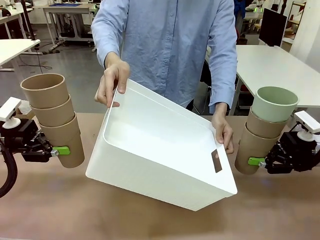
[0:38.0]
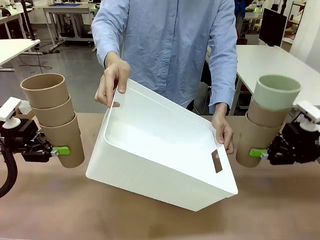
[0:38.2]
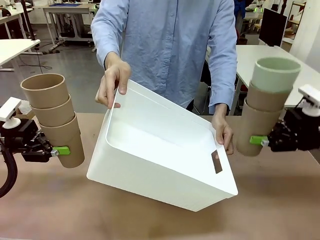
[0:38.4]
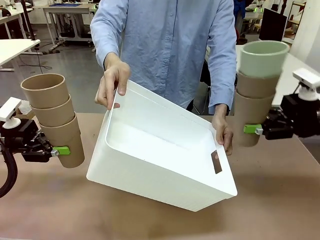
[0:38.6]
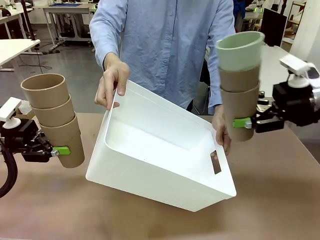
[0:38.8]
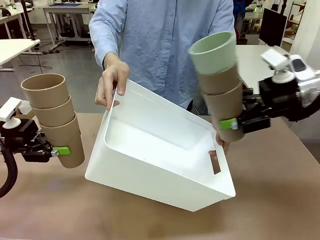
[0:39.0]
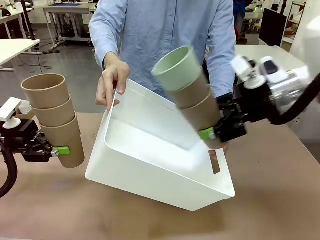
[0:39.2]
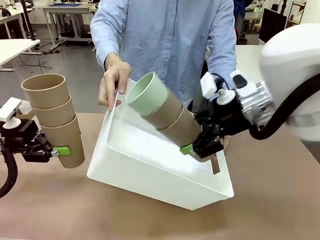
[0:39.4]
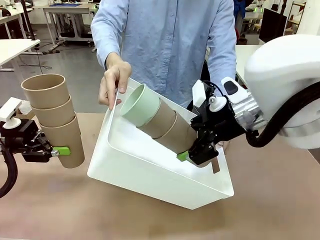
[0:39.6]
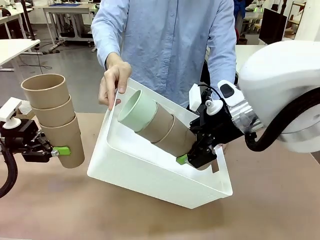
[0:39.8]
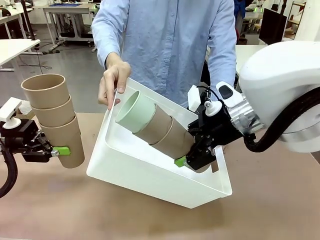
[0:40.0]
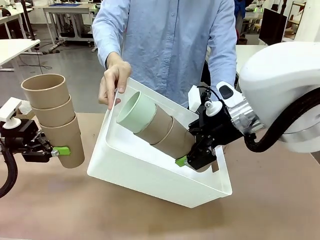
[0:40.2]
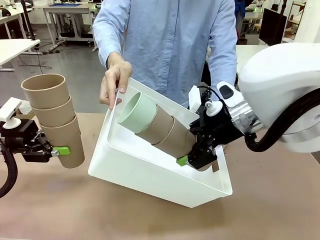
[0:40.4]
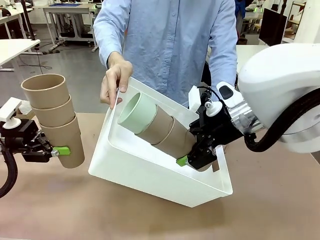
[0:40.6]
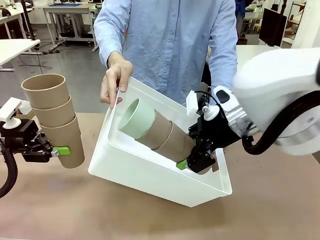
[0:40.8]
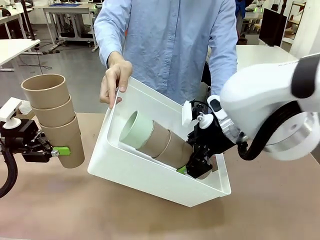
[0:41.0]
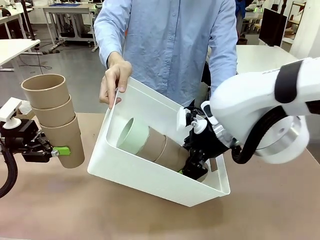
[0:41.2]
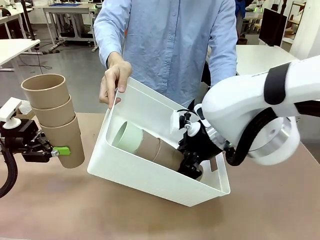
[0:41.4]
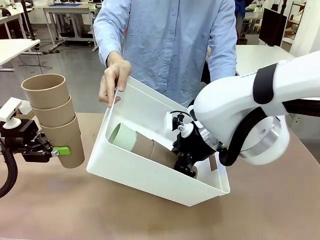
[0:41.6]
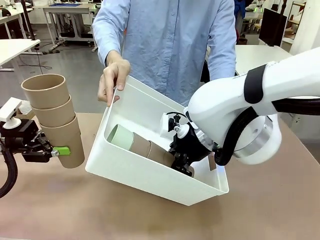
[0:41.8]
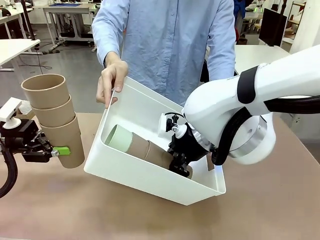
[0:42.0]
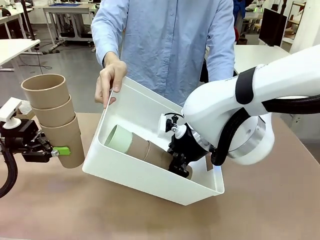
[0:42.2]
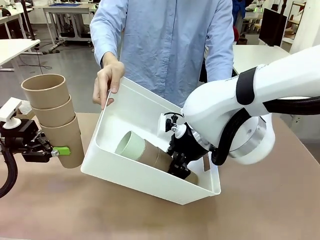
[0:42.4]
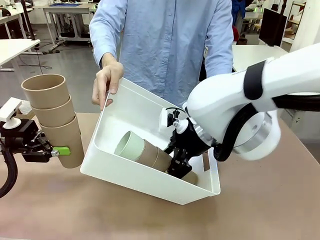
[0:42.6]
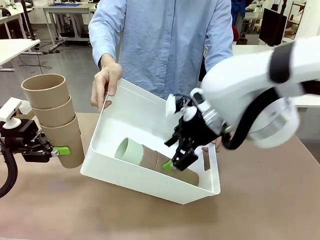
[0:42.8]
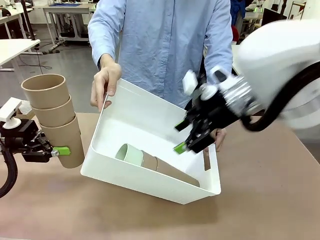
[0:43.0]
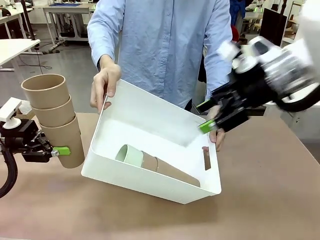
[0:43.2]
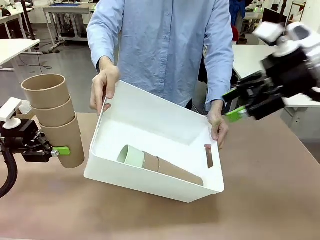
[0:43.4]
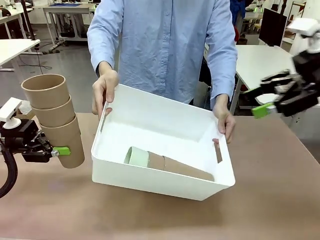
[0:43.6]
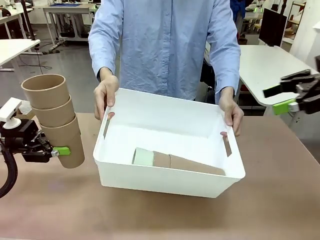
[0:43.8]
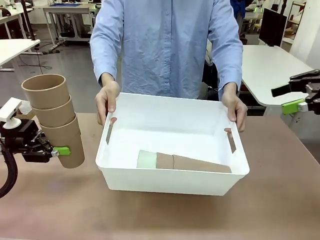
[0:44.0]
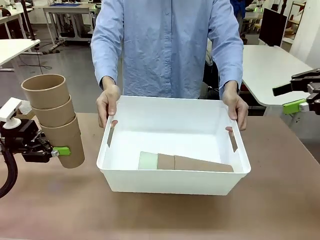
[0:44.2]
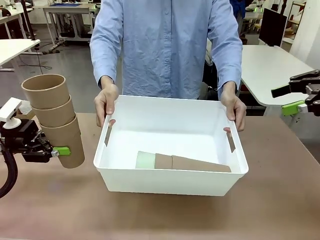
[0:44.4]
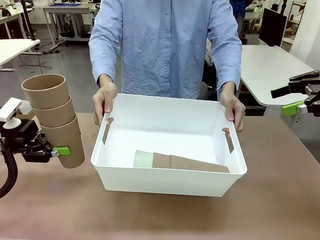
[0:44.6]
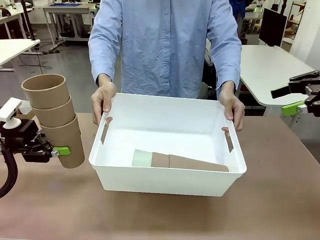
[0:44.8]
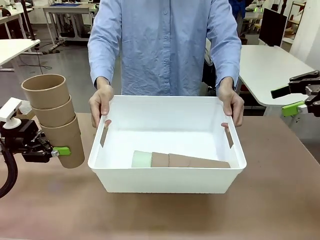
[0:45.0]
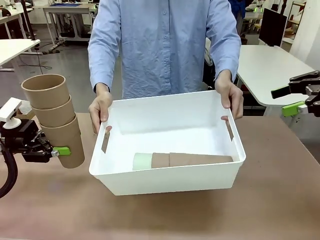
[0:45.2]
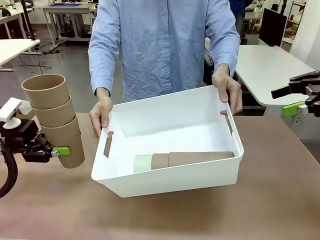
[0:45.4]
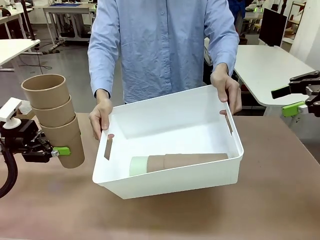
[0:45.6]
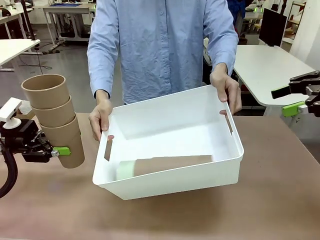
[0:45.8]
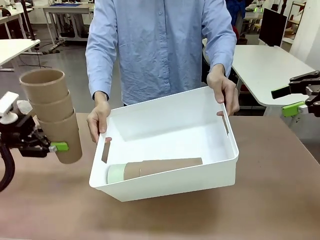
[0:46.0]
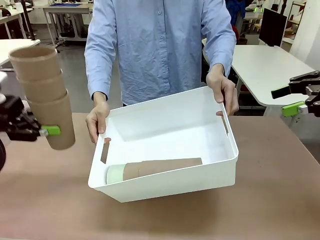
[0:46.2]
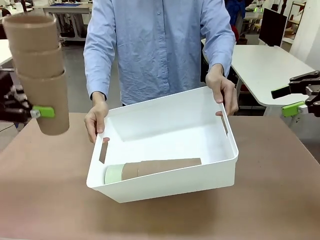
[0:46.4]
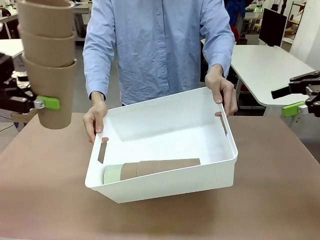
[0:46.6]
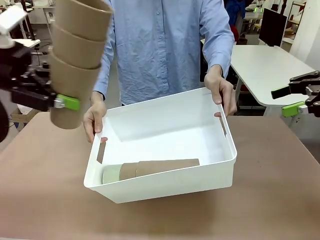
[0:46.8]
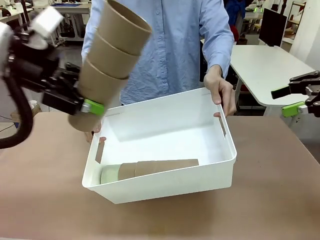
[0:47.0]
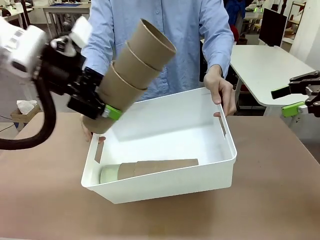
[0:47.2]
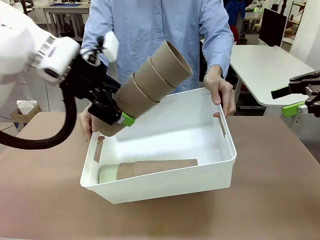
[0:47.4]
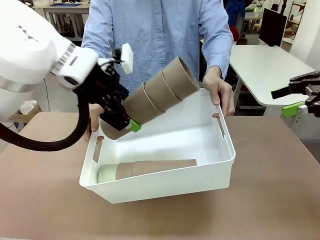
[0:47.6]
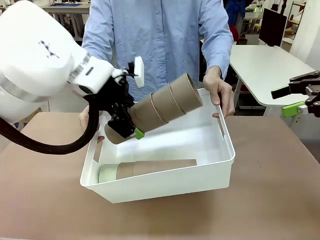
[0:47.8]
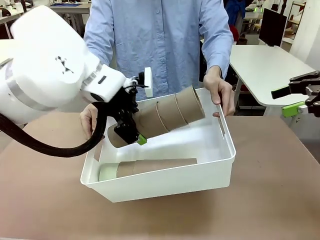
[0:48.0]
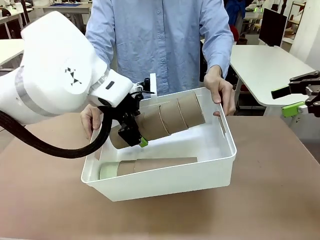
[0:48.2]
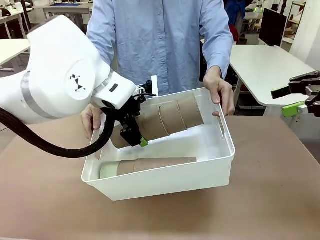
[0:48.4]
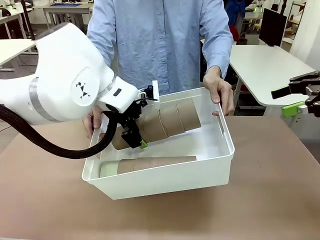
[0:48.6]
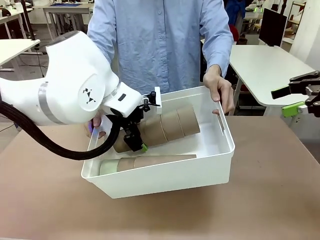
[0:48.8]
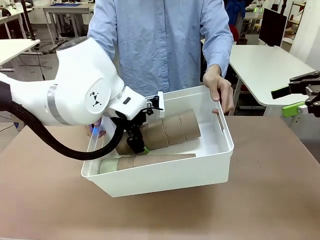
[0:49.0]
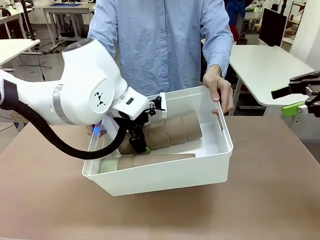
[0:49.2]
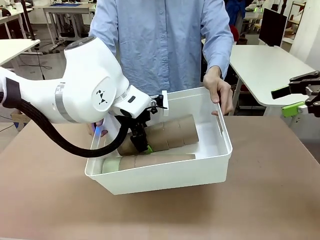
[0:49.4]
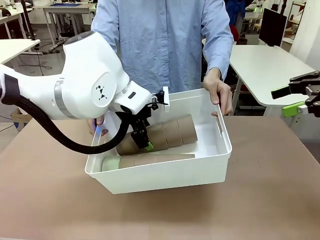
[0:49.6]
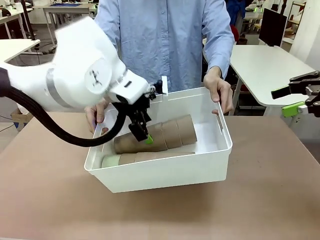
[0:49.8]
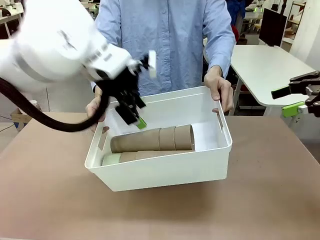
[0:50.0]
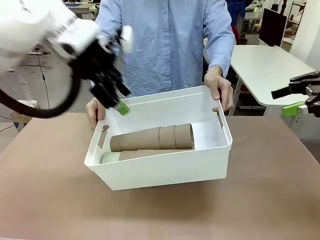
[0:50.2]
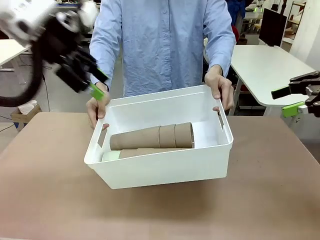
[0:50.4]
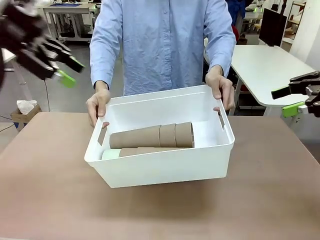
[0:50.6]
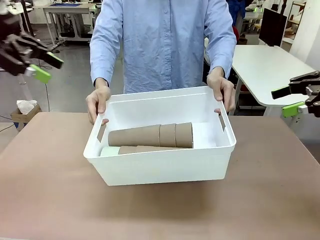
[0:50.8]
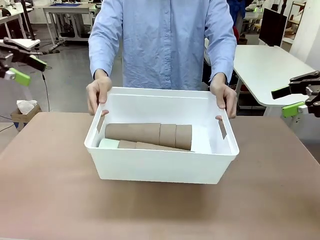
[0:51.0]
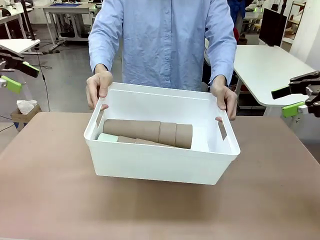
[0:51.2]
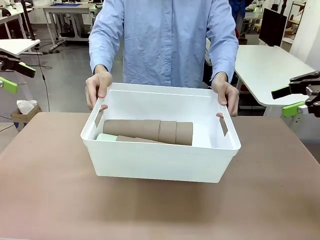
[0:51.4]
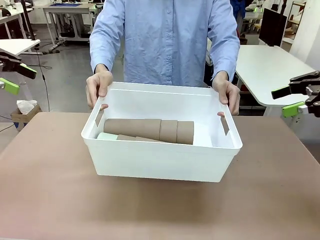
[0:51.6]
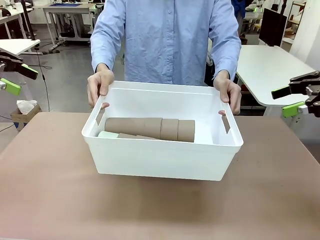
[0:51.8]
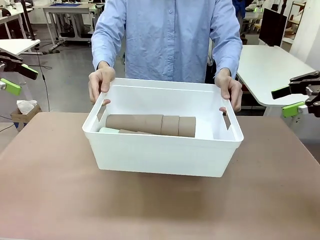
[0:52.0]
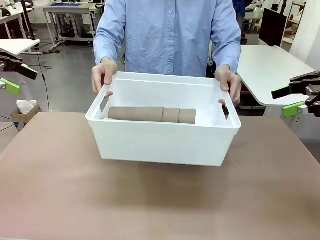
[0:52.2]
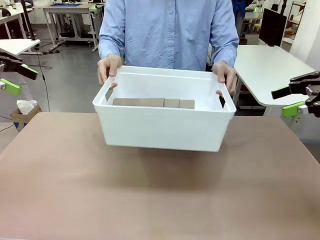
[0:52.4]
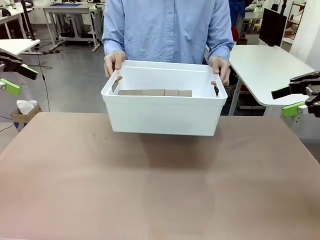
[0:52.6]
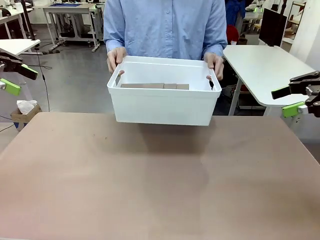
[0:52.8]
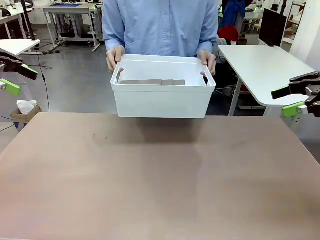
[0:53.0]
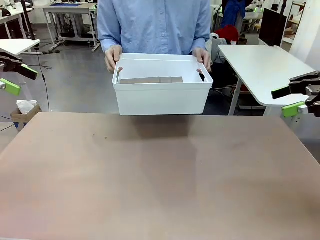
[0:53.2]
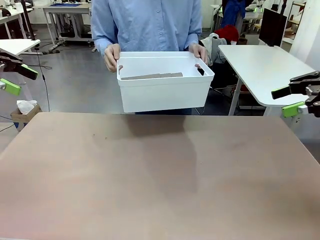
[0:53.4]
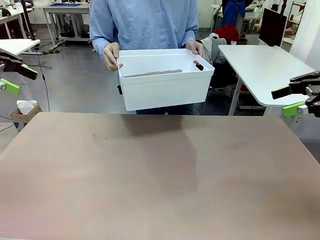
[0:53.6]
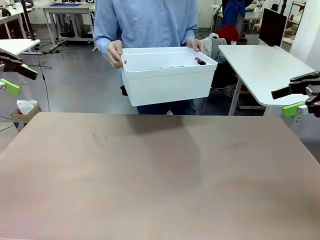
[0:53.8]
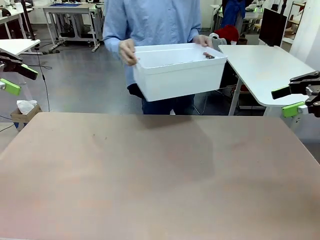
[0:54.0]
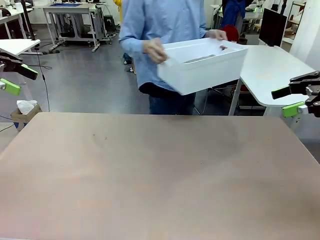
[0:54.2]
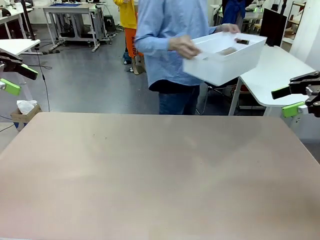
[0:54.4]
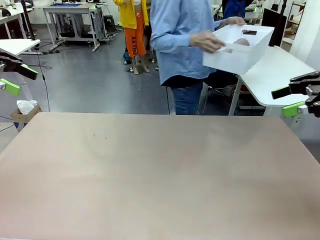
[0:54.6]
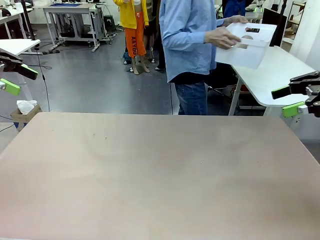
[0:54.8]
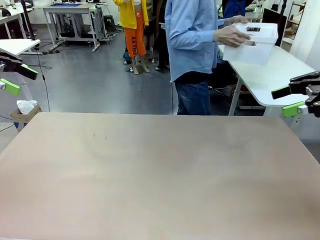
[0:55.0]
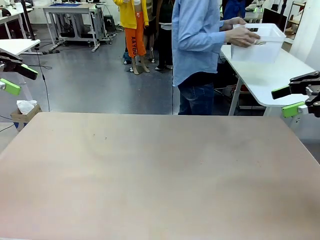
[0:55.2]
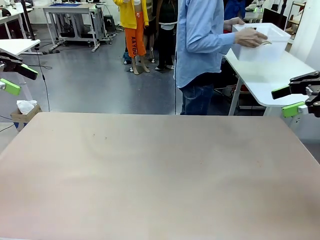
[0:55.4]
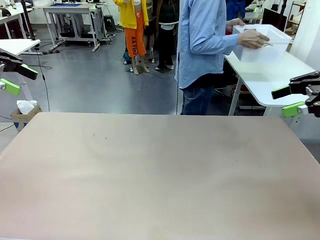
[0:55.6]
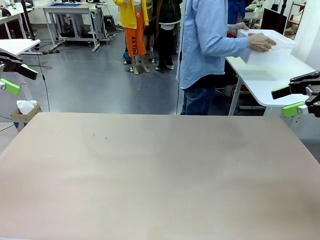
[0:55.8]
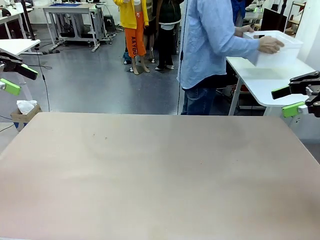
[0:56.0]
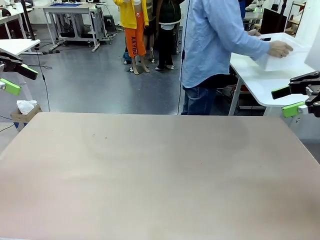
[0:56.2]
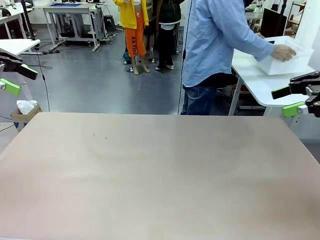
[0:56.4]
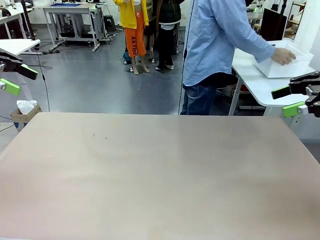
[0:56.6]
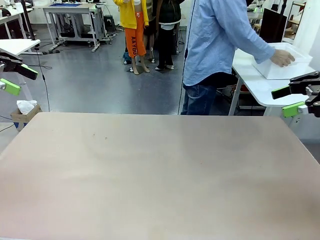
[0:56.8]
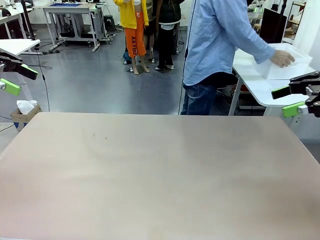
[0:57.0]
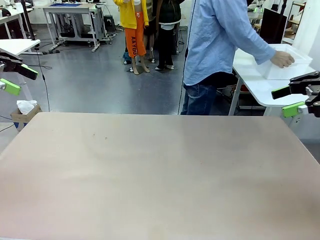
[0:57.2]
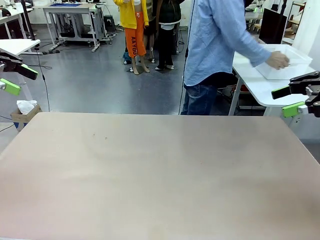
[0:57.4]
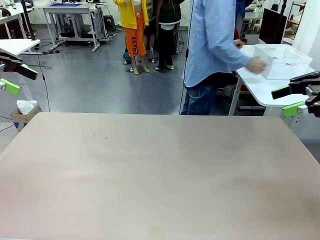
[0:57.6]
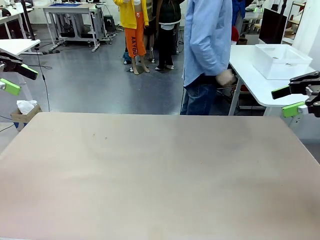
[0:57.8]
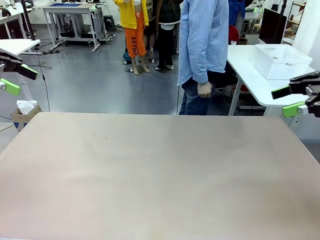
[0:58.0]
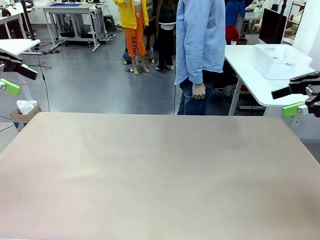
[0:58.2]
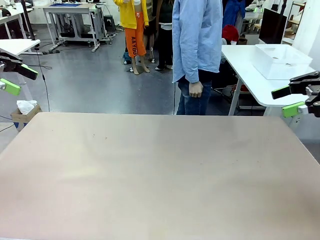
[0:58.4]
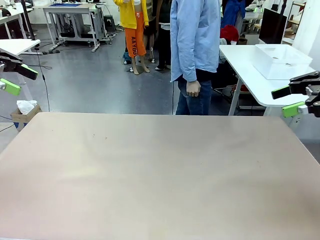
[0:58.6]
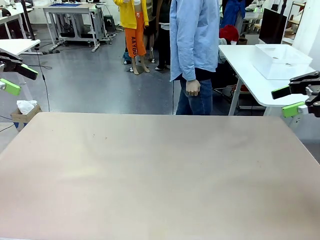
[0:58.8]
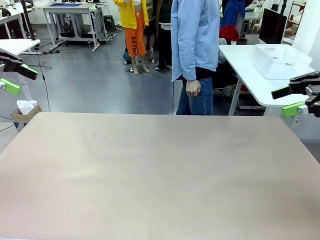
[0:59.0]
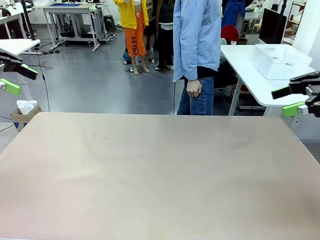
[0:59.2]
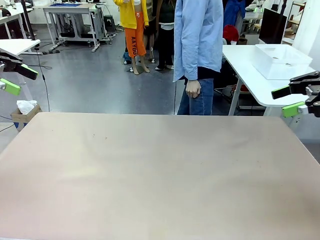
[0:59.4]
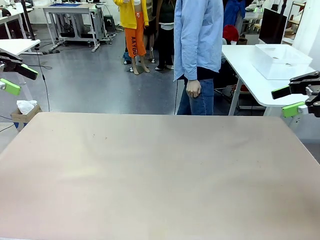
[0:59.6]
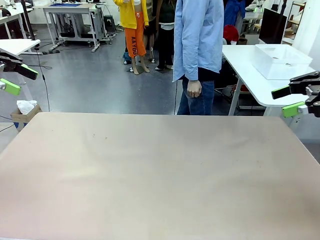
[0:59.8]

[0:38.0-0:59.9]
Task: Stack the cups and store them in the basket.
Robot: Place the stack of Reusable plastic cups into the Pantry Basket.
Person: Place the basket containing the cups in the middle of the Human Table.
